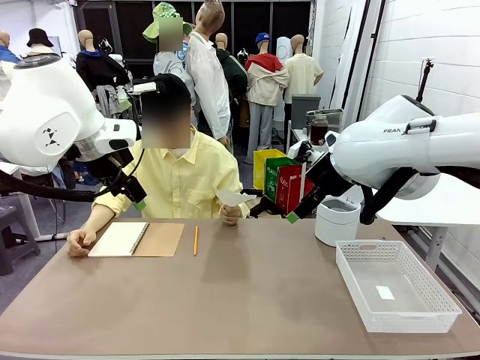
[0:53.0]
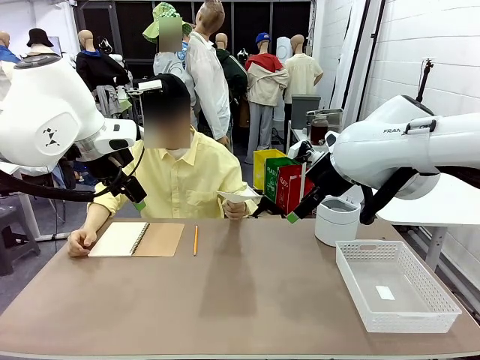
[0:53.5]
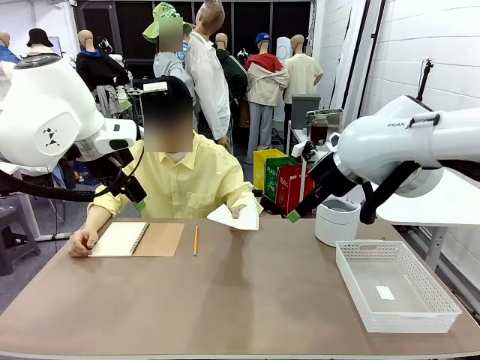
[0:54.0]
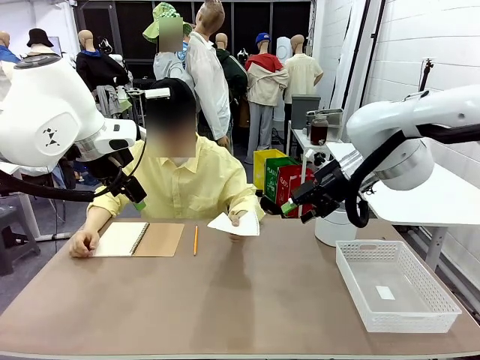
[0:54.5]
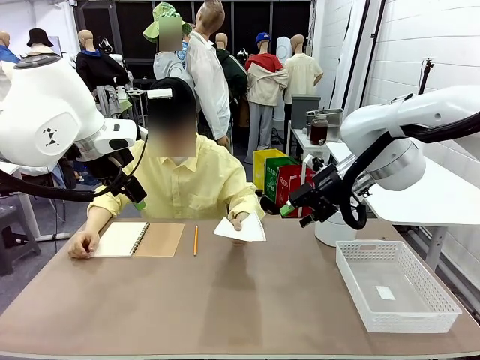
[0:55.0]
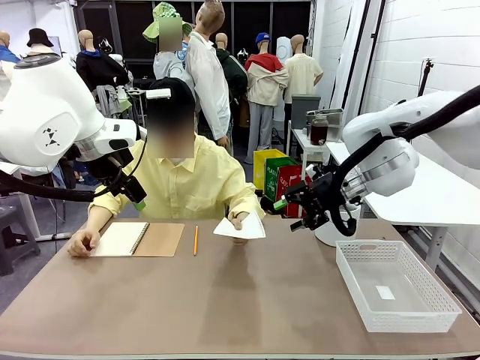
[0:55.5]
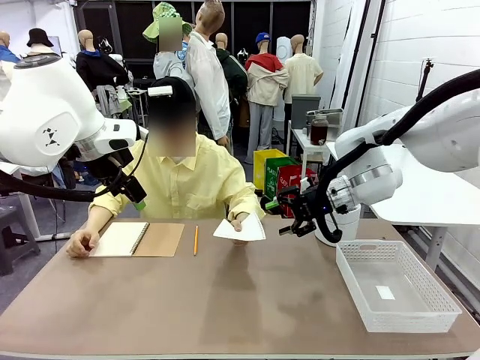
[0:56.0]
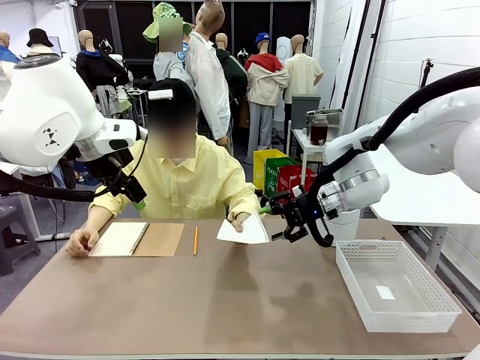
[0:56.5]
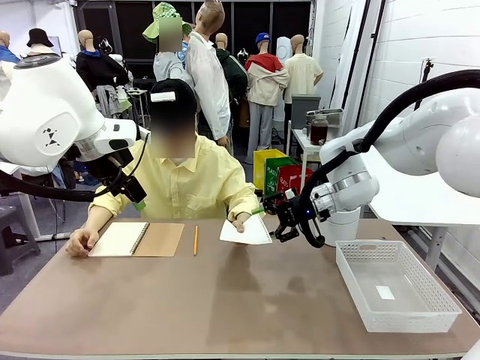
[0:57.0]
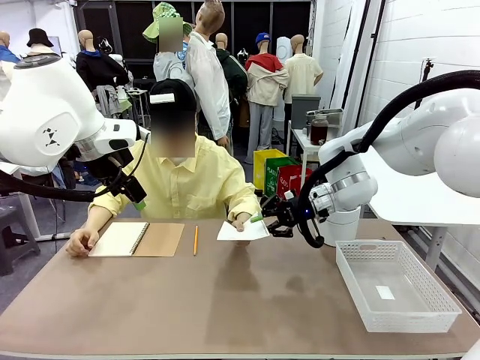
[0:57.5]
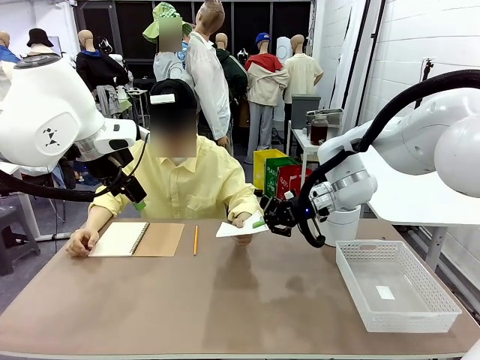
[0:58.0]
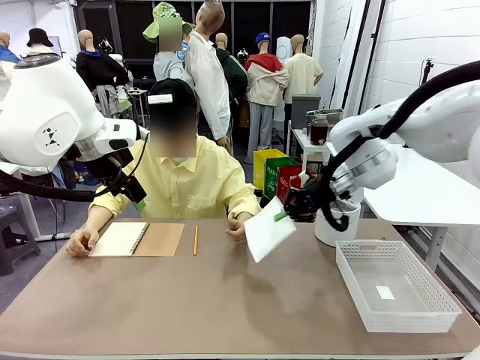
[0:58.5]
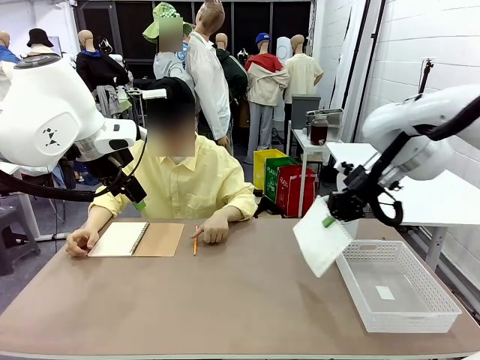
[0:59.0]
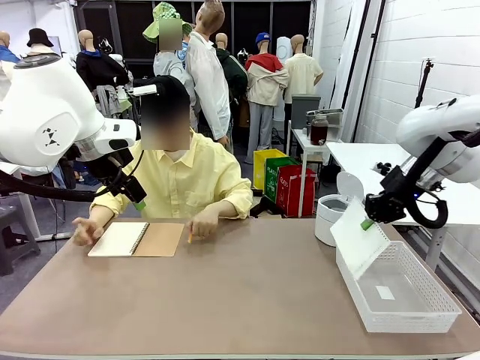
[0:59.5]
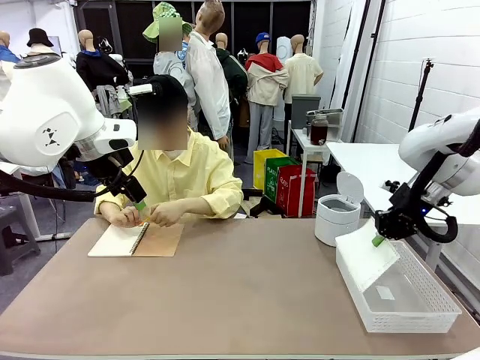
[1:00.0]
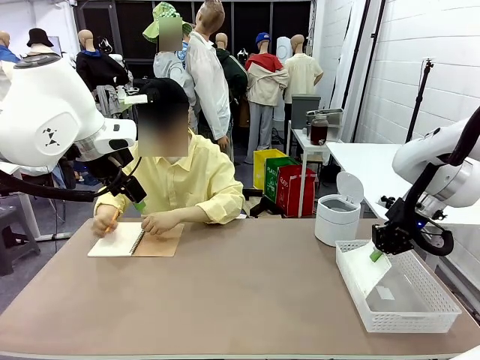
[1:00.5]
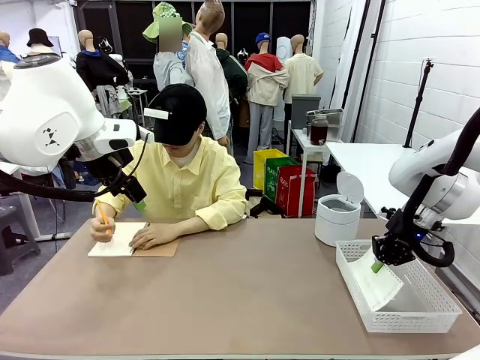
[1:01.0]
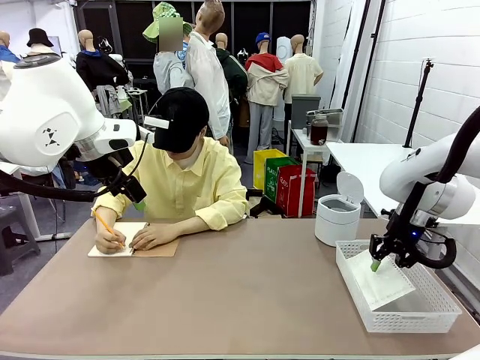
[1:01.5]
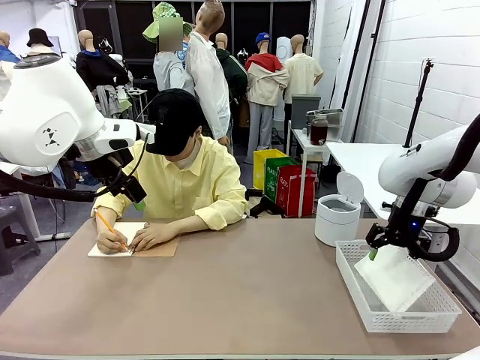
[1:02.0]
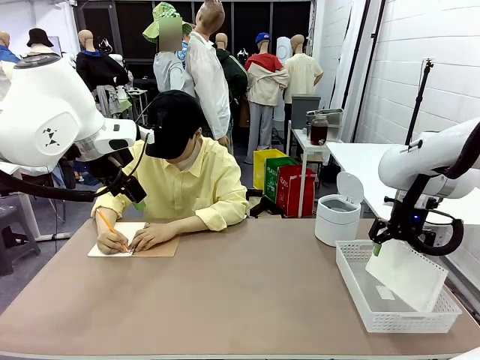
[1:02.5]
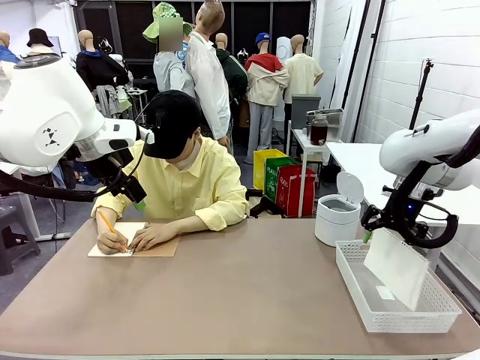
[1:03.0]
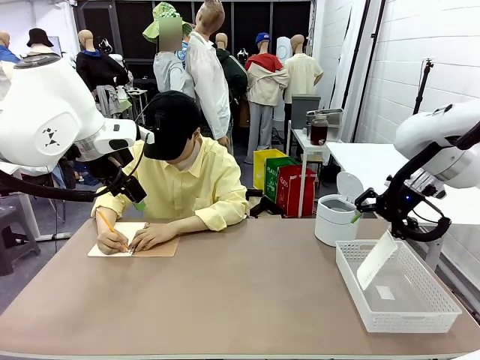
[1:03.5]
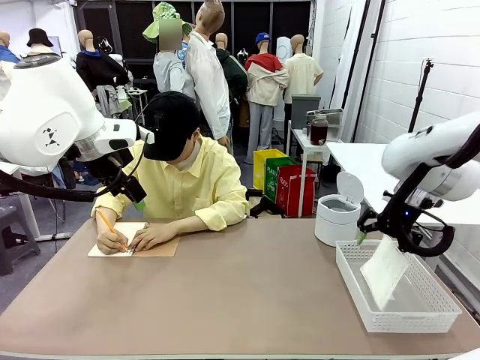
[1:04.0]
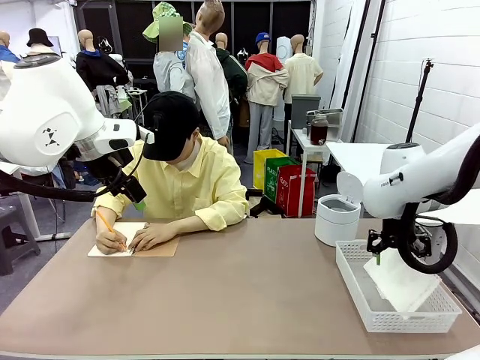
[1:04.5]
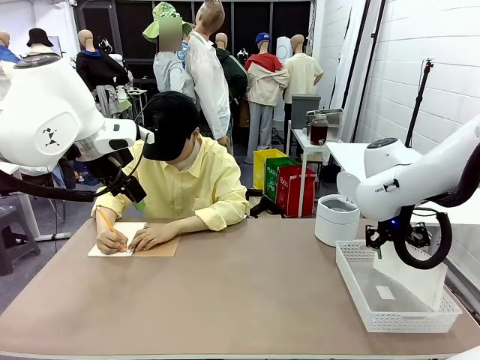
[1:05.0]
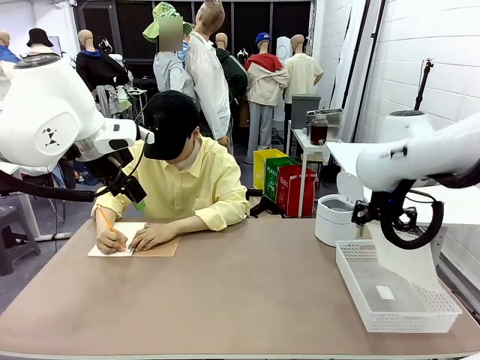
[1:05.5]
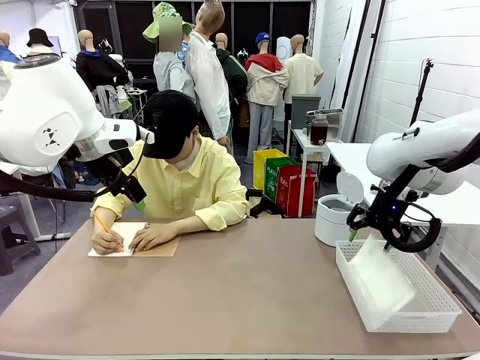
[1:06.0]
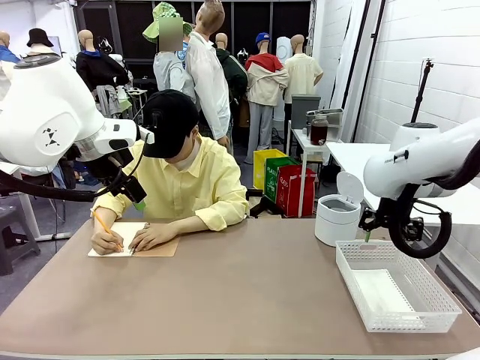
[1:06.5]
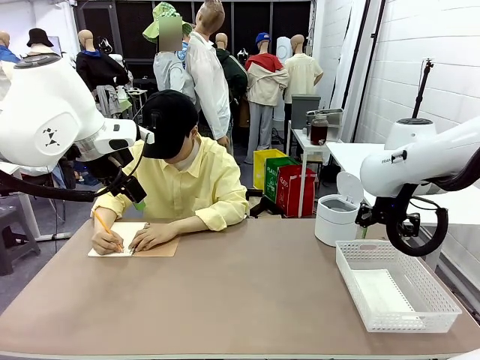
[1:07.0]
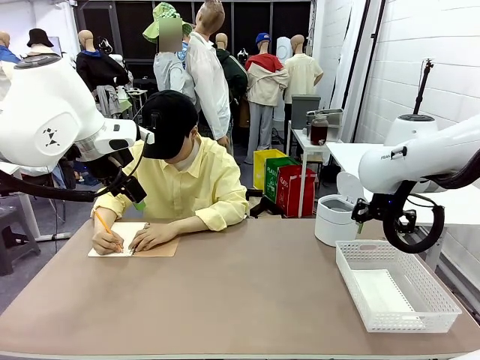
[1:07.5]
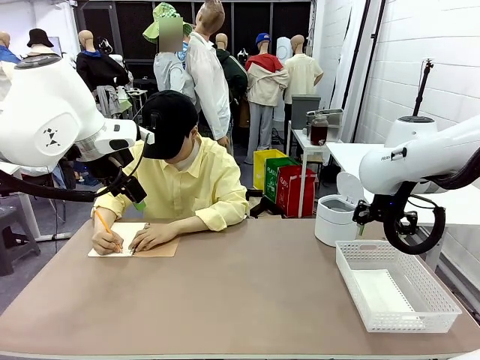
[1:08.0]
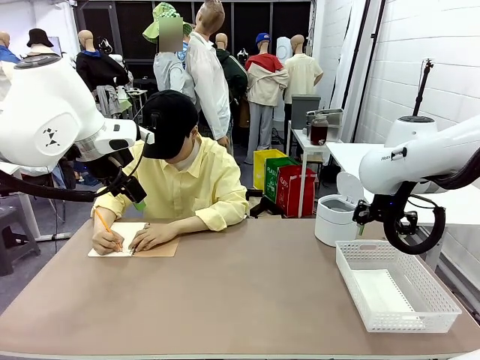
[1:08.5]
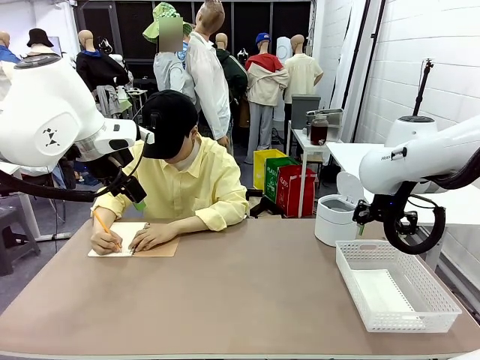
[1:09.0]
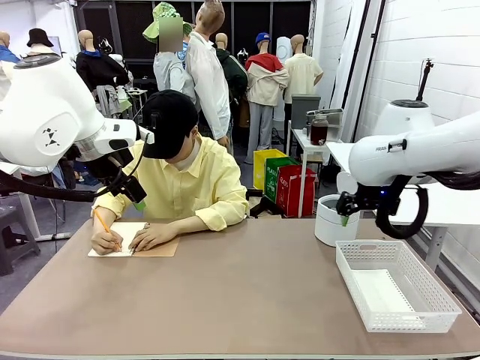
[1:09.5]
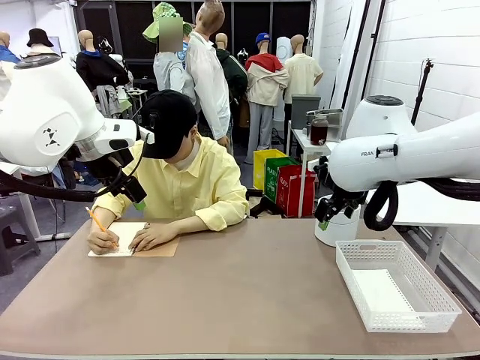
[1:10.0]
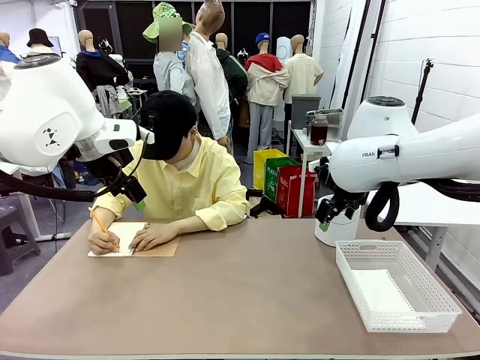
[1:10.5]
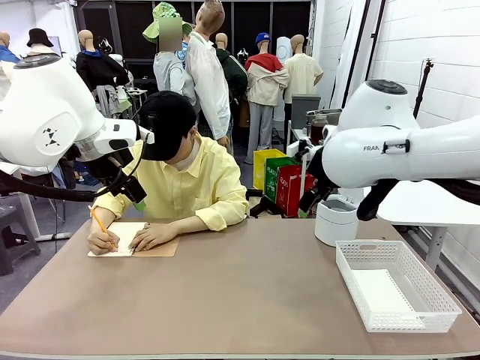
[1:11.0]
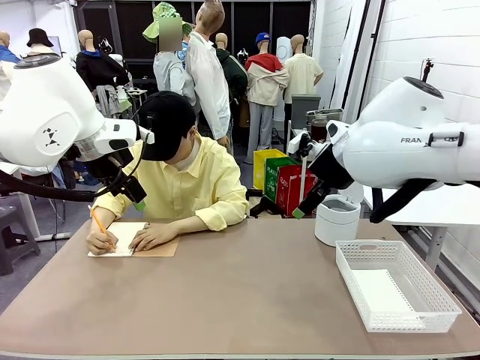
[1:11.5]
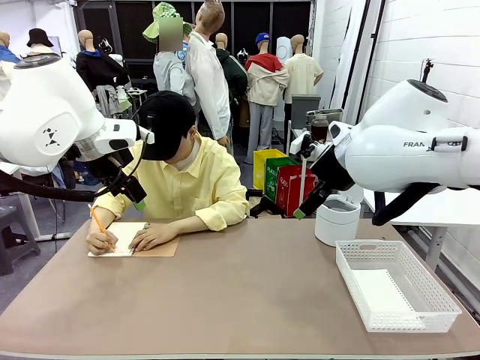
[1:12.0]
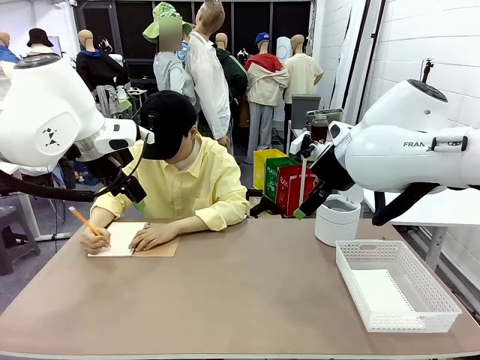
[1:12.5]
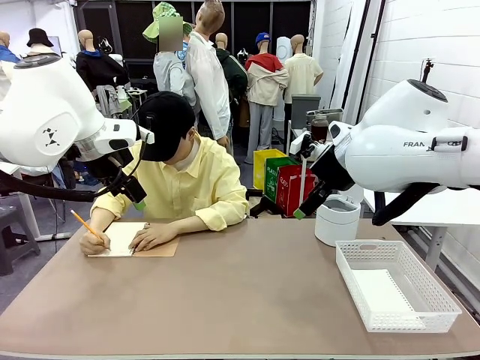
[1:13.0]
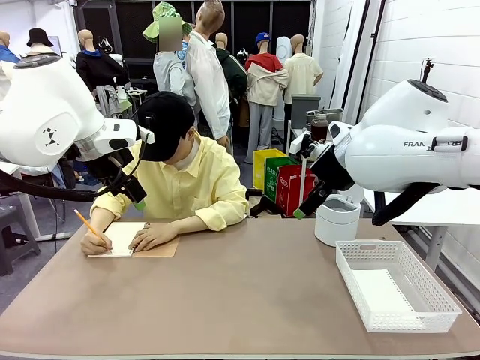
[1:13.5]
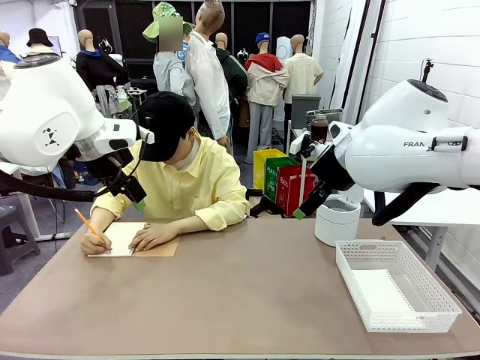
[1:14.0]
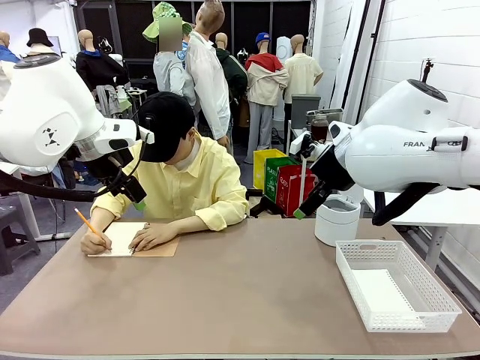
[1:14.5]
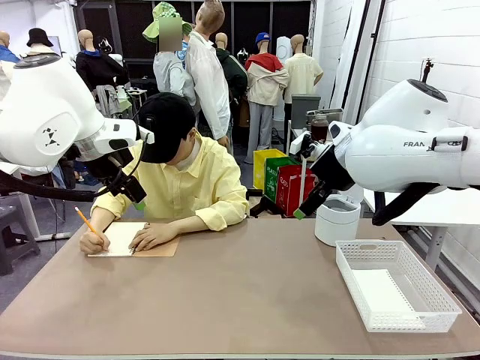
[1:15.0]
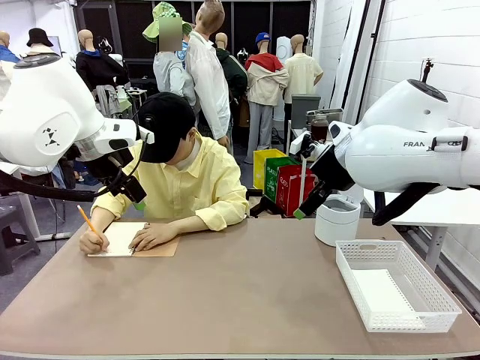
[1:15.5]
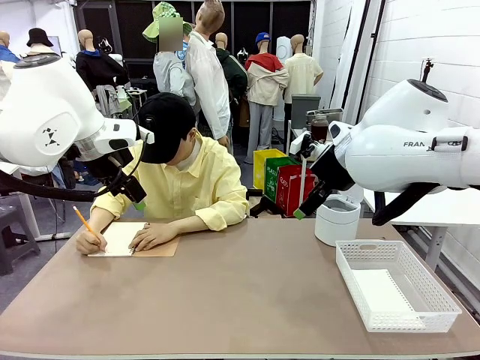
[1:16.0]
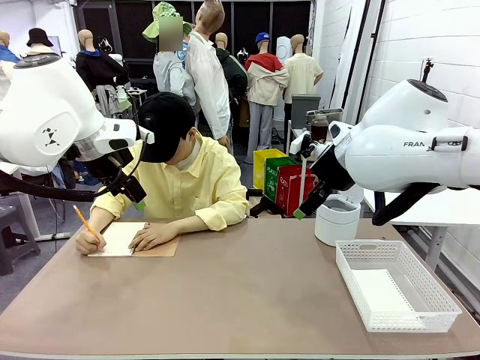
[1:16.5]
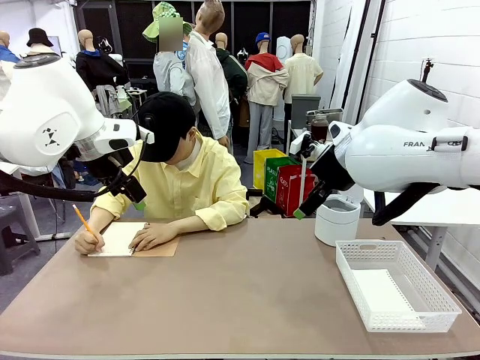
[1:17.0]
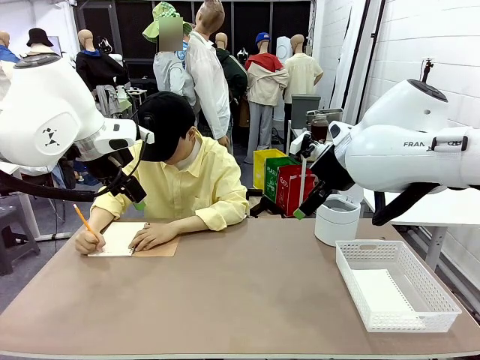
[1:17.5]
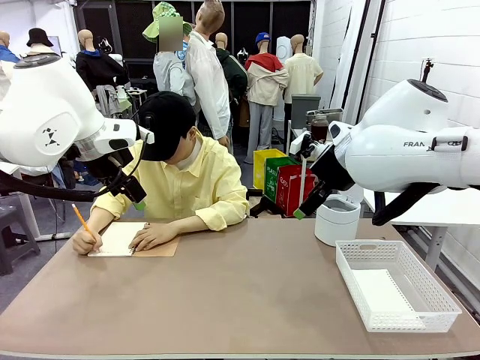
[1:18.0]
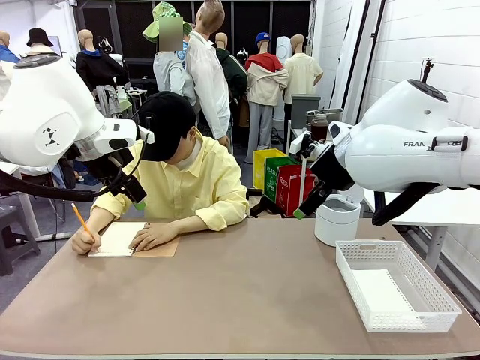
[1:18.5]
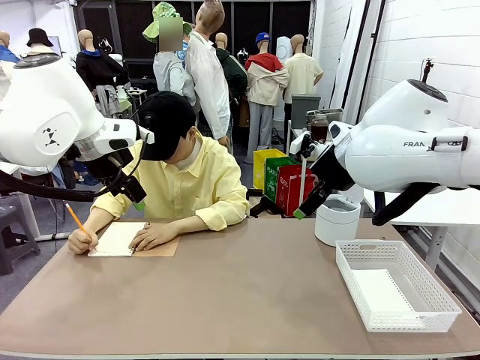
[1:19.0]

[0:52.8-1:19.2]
Task: Sort the paper based on its condition.
Robot: If a person hands you a paper, place it in the Organizing basket , and if it's crumpled, put it in the Trash can.
Person: Hand the torn page to the robot or crumple it and throw it to the center of the table. Tear out a page from the spiral notebook.
